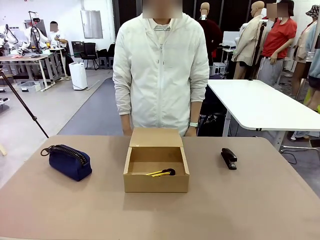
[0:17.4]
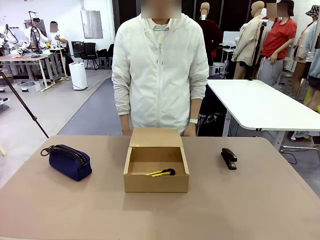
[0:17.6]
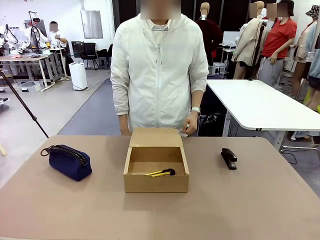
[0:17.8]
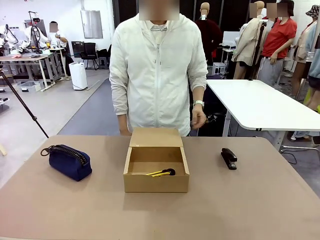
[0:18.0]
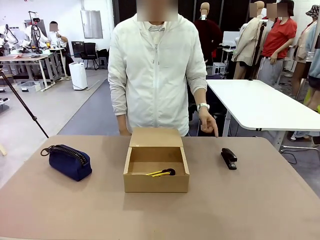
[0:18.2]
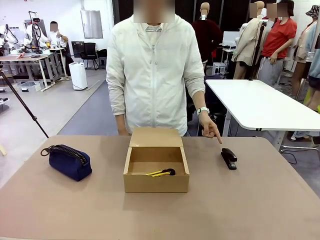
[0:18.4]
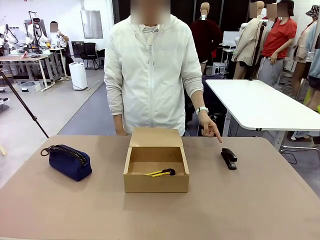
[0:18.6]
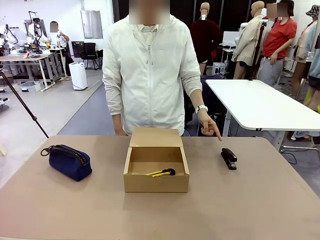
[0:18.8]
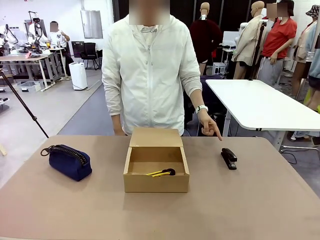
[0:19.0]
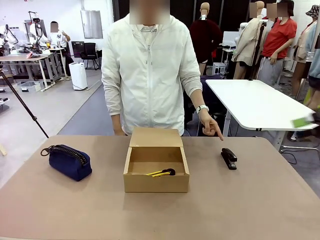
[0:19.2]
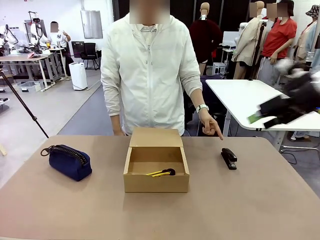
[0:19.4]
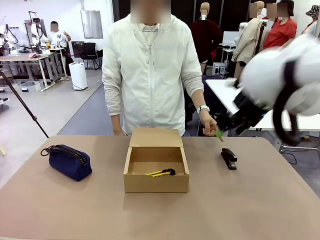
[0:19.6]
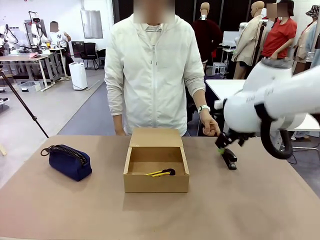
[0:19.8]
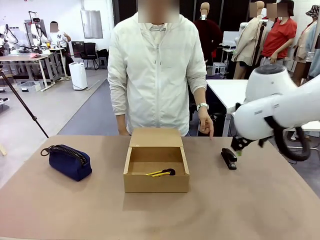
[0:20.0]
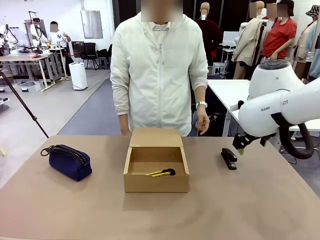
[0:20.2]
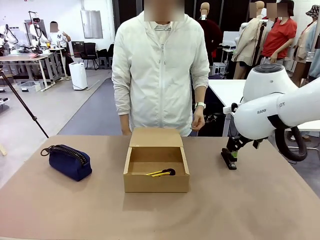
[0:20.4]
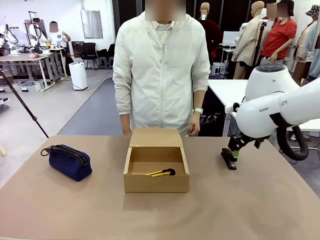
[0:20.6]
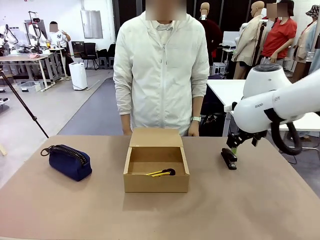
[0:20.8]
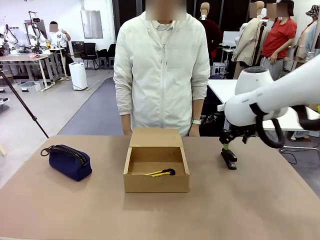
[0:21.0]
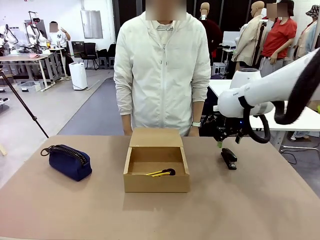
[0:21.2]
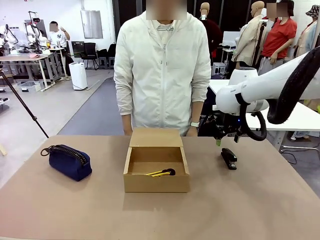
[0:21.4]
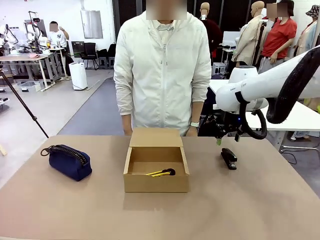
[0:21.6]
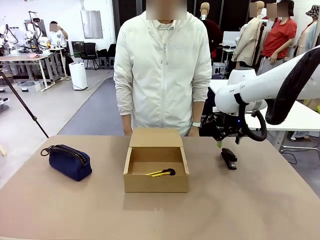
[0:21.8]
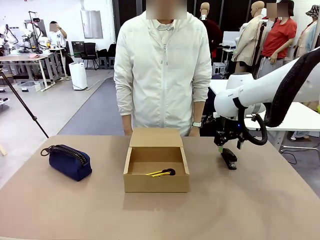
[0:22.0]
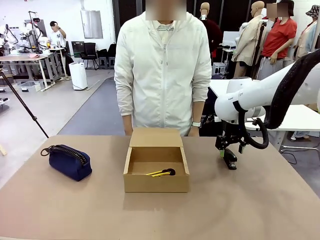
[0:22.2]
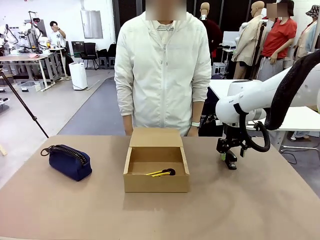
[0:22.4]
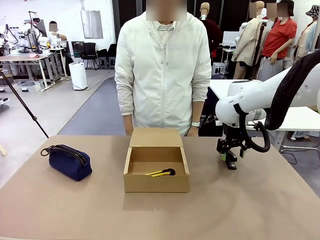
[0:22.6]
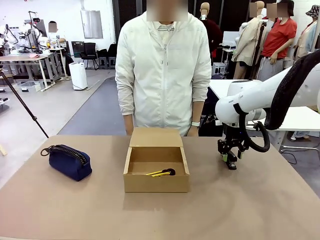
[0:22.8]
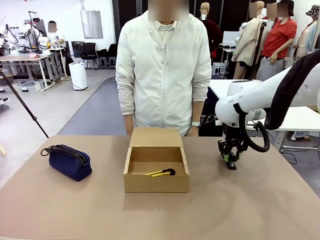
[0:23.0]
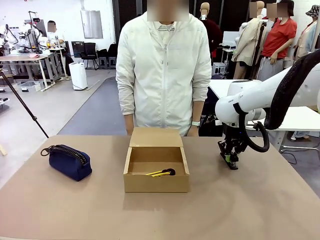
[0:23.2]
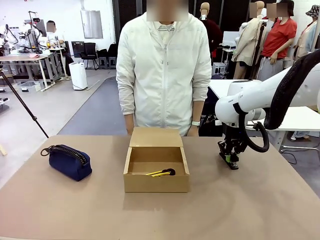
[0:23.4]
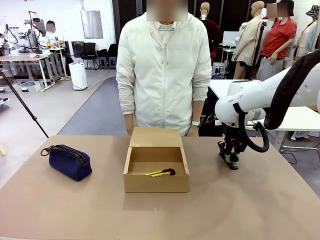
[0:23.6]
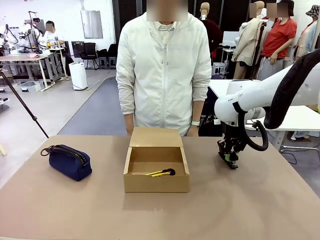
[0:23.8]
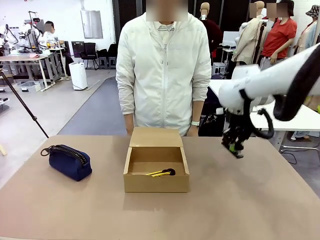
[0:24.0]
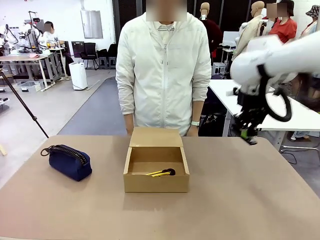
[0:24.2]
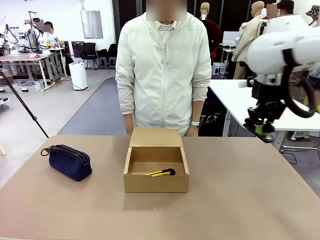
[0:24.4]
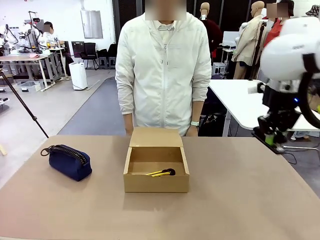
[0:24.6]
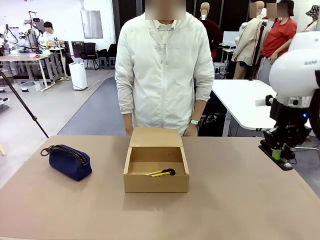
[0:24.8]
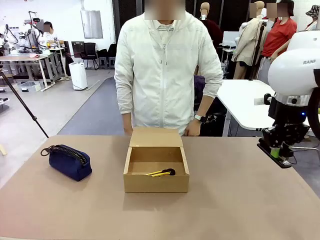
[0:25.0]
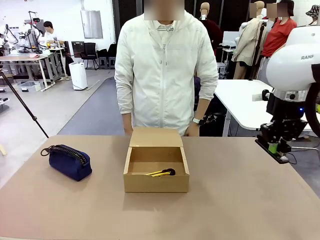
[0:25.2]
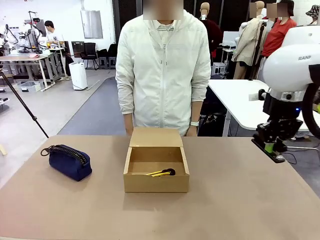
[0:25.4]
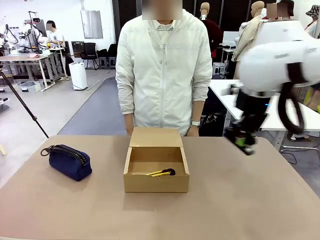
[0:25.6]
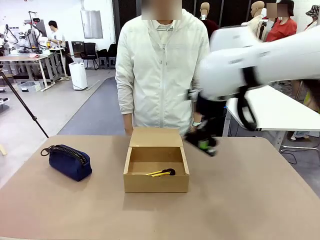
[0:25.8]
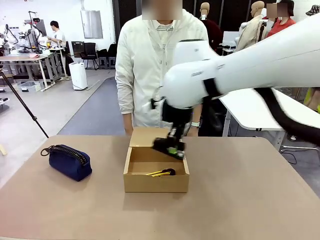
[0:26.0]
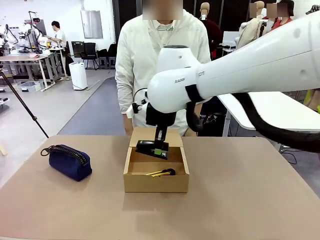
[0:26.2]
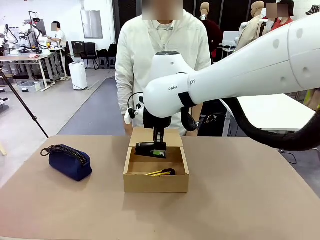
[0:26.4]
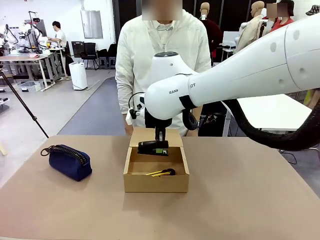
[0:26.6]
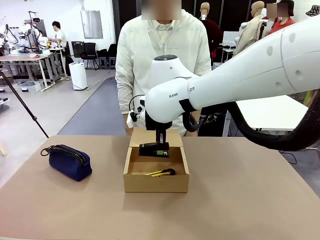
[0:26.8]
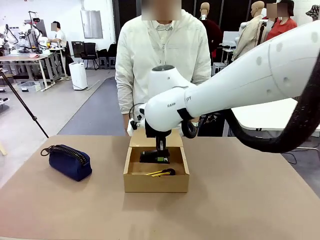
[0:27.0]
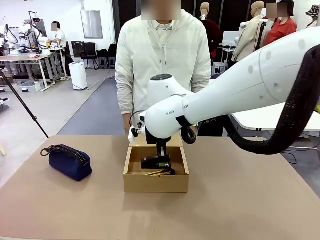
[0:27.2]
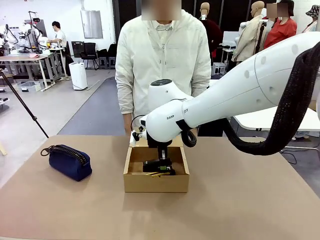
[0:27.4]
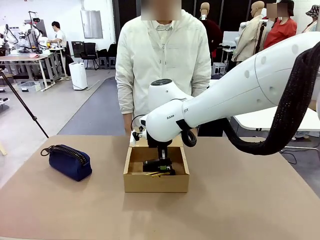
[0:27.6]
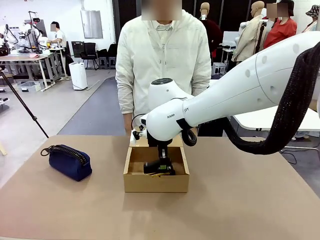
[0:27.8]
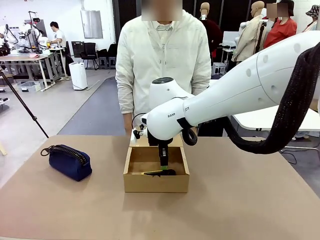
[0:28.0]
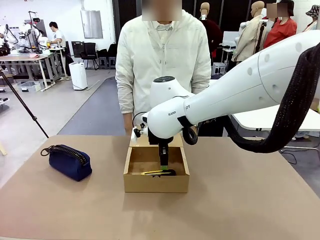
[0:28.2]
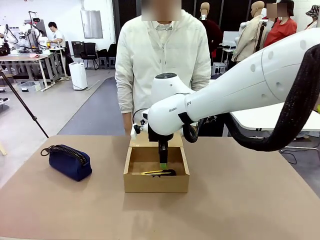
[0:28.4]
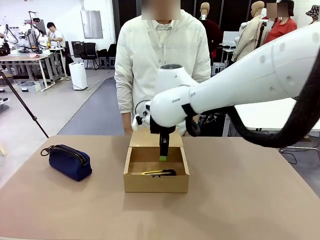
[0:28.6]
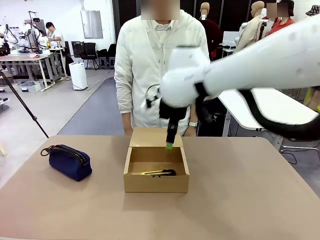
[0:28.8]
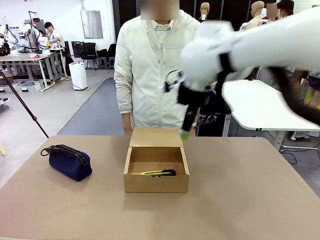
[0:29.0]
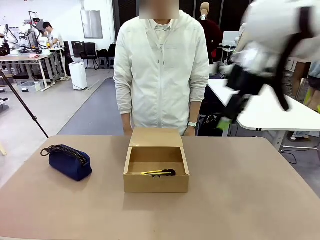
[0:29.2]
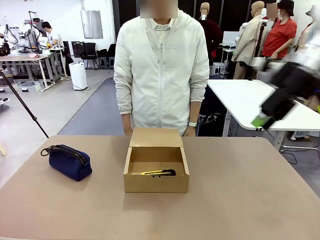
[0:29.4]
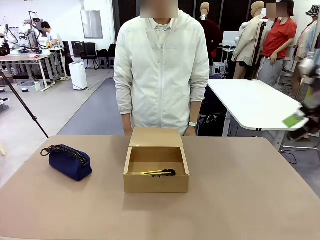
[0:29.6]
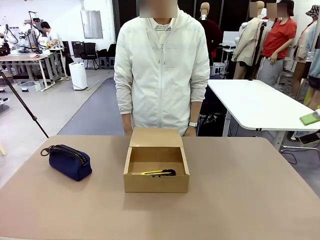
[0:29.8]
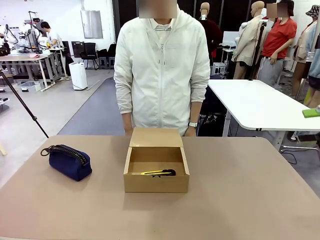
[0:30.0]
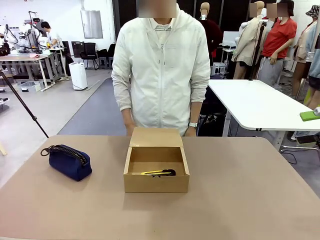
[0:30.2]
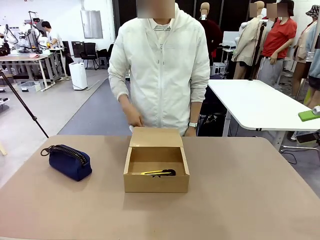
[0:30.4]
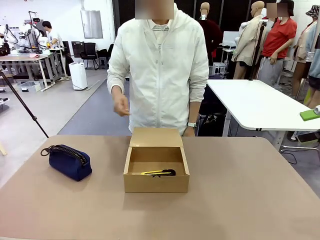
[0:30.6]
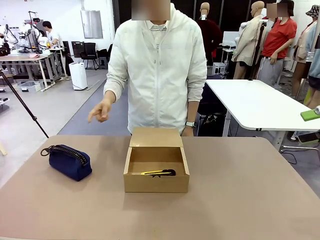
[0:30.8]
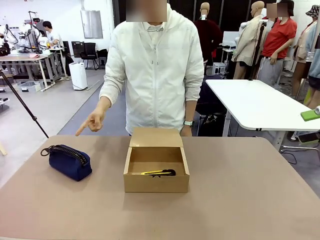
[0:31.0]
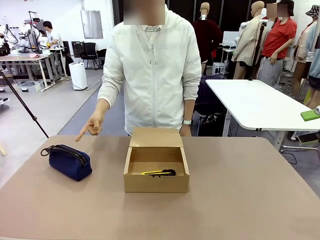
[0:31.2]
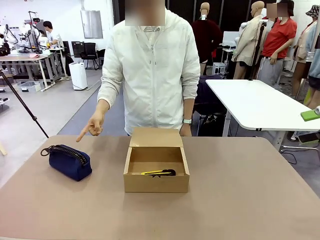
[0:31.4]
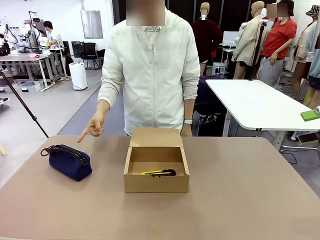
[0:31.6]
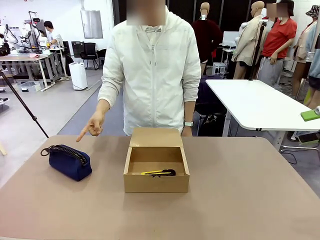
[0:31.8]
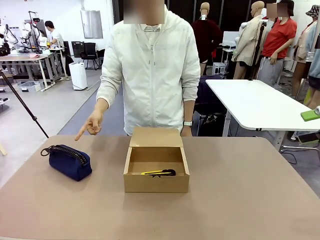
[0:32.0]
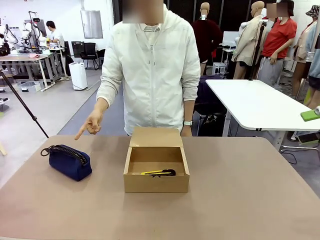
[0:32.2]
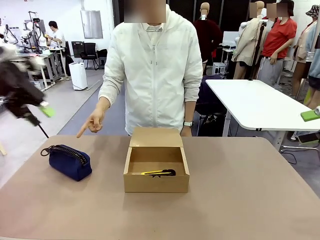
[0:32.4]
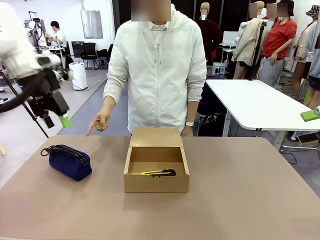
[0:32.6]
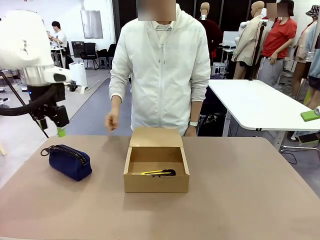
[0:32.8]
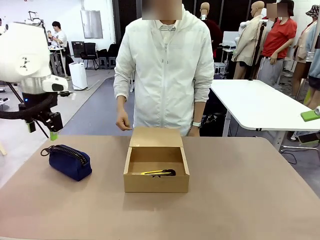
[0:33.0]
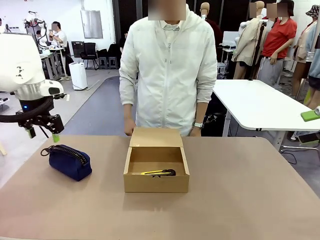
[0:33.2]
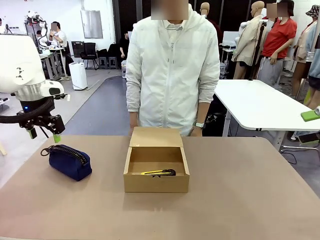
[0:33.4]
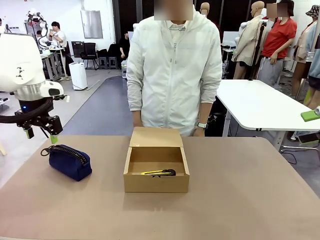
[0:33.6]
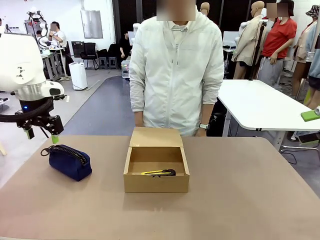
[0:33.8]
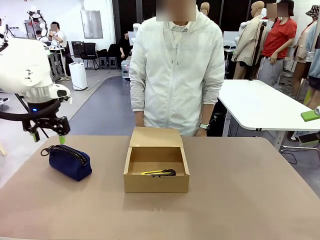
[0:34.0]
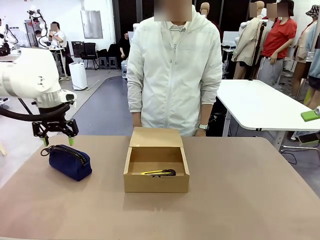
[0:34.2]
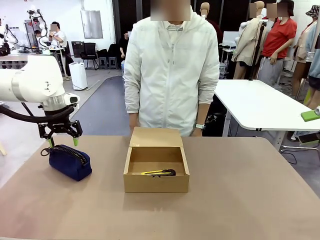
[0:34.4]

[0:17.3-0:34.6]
Task: Pack the items into the box.
Robot: Pick up the item indicated by the person and place it inside the Mailer Box.
